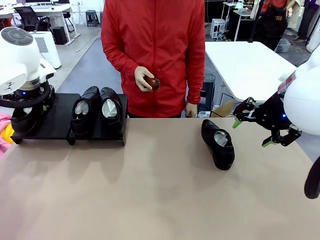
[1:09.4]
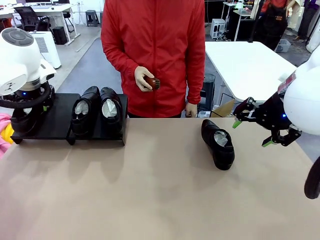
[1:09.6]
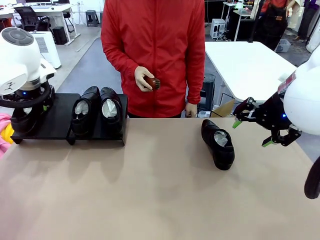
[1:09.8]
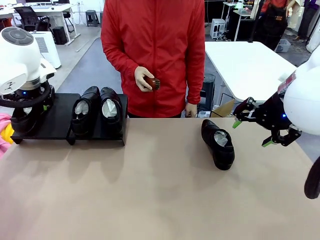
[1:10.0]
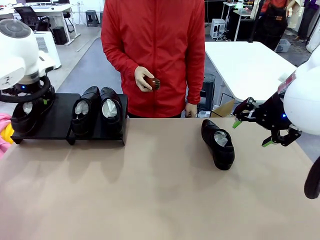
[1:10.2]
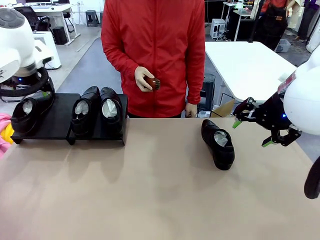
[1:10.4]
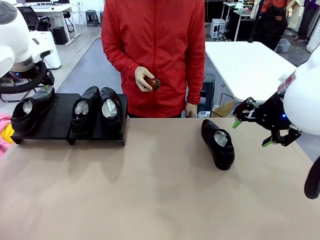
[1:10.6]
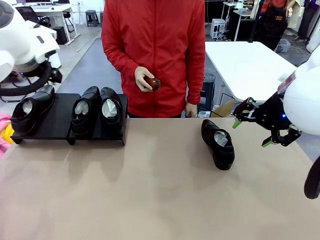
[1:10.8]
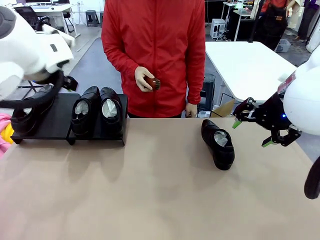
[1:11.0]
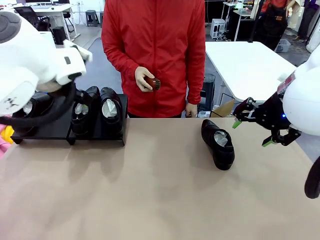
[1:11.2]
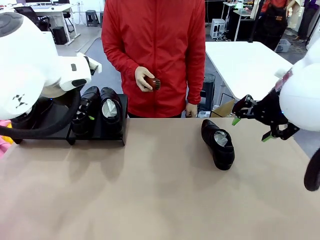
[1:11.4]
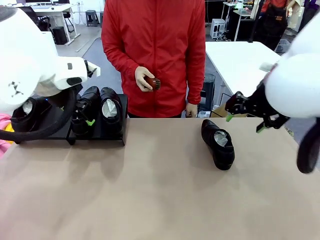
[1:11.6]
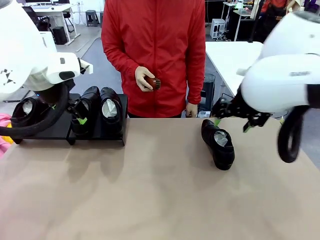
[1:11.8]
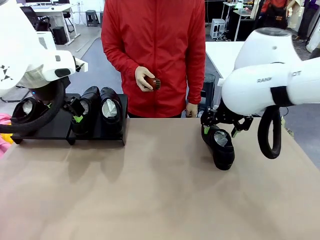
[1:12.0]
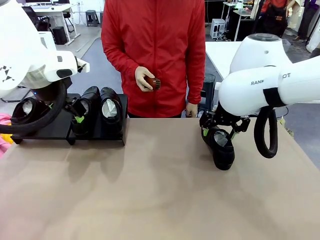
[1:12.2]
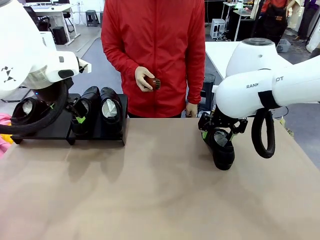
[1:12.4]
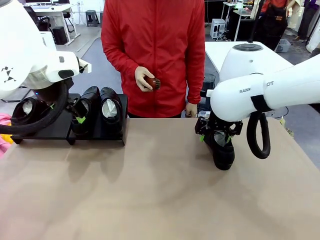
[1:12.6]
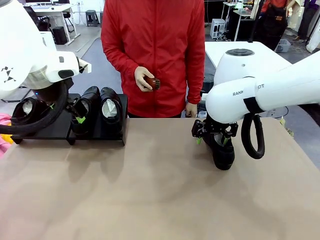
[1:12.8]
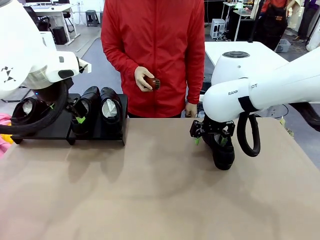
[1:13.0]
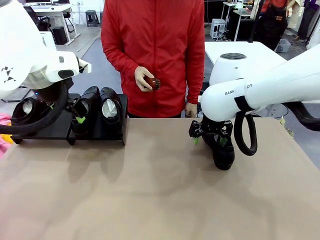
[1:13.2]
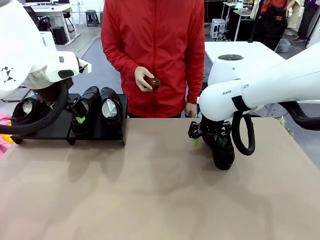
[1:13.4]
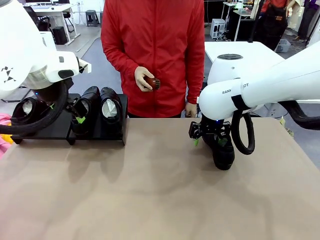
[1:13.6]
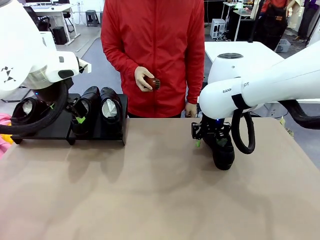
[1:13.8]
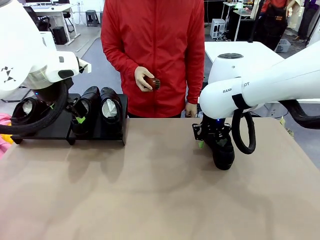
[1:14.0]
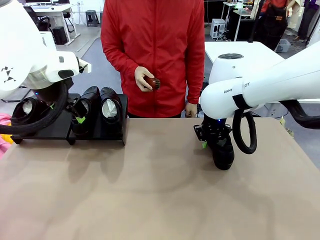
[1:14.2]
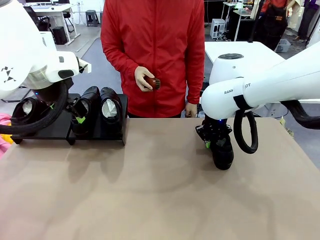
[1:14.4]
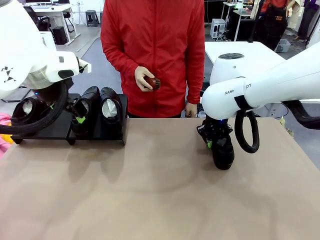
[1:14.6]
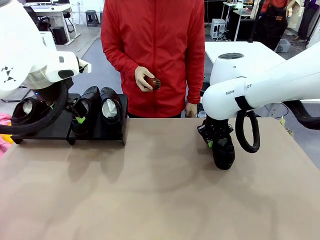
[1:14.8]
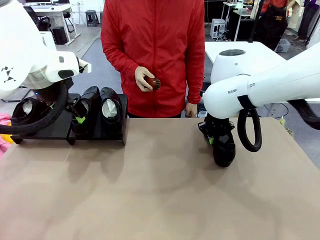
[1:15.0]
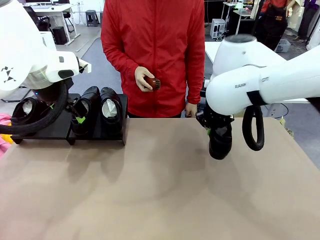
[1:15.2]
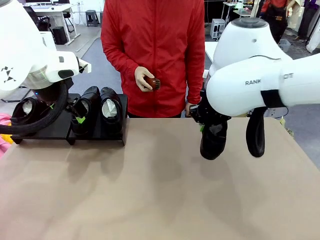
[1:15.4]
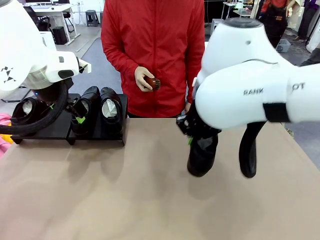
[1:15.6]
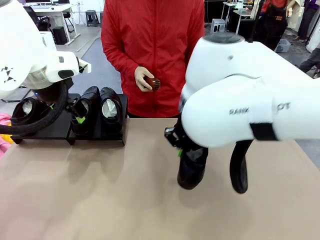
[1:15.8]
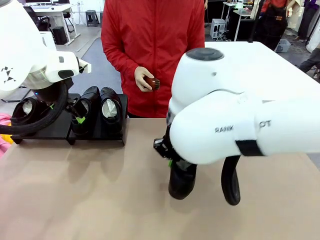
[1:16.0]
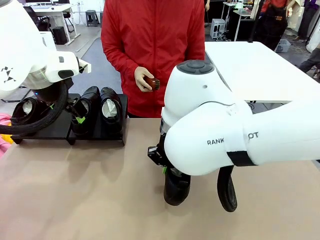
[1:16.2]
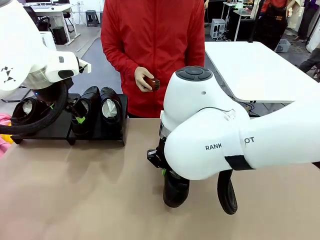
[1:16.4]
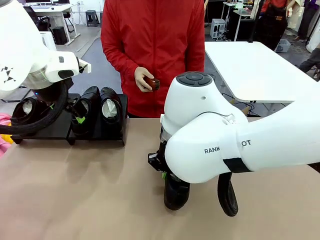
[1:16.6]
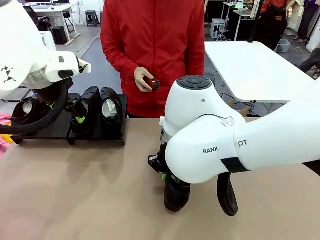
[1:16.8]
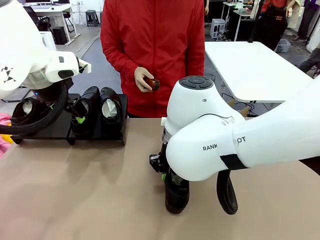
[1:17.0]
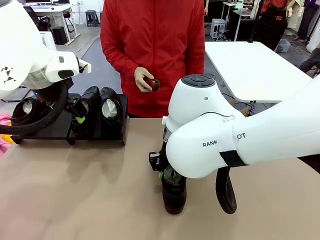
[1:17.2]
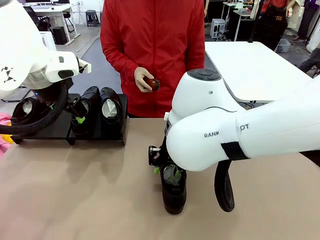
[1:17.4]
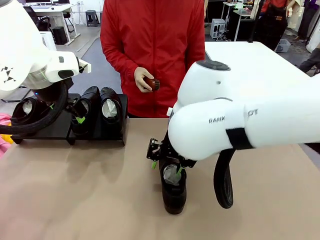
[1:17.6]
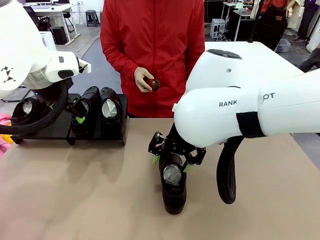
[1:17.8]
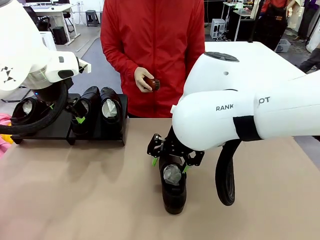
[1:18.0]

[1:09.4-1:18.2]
Task: Organize the shoes by placing them on the stand.
Robot: Pick up one Shoe and place it in the middle of the table.

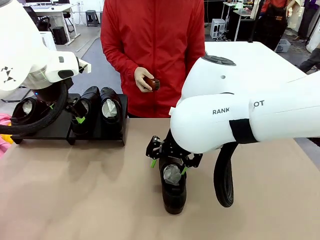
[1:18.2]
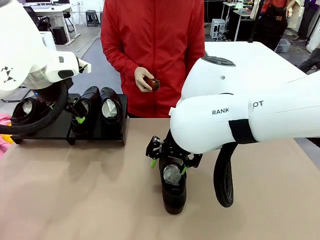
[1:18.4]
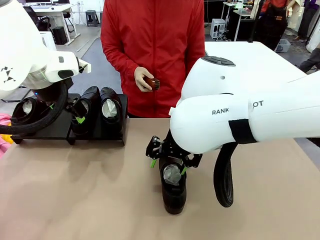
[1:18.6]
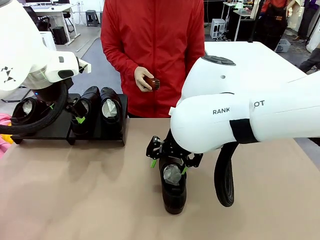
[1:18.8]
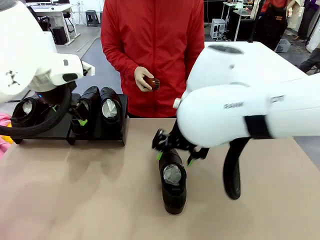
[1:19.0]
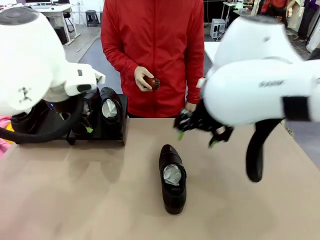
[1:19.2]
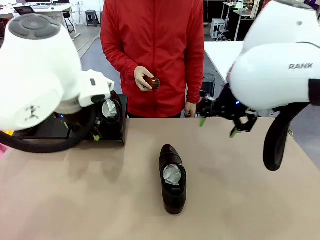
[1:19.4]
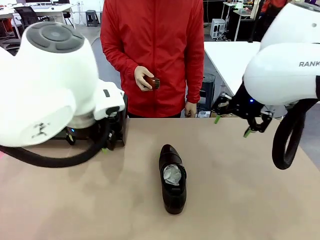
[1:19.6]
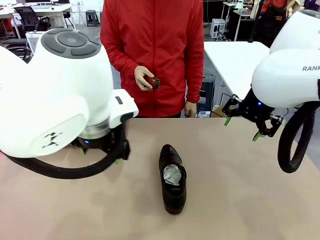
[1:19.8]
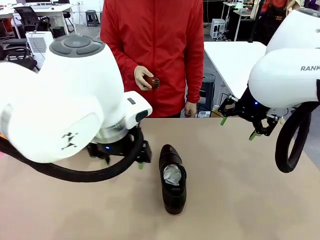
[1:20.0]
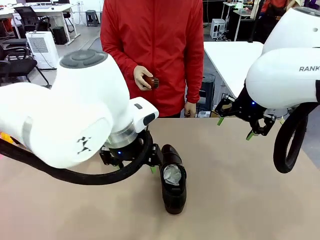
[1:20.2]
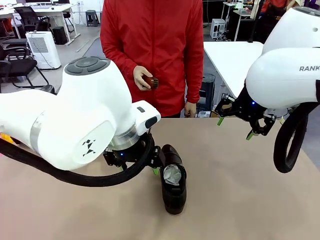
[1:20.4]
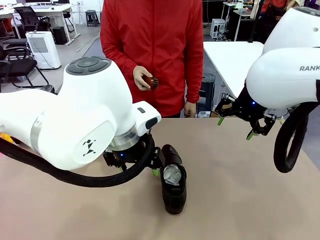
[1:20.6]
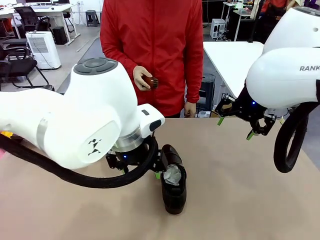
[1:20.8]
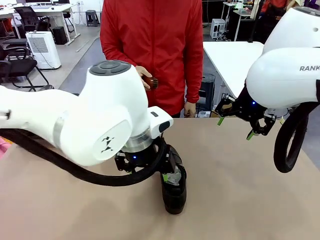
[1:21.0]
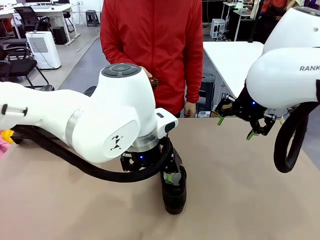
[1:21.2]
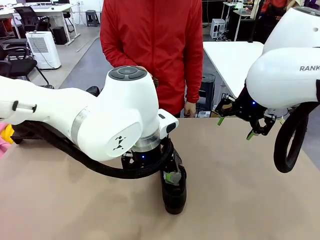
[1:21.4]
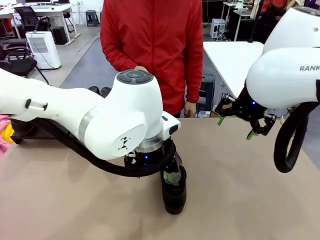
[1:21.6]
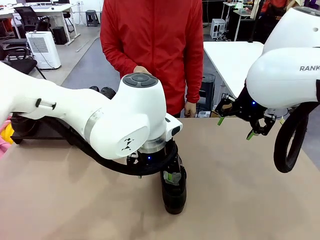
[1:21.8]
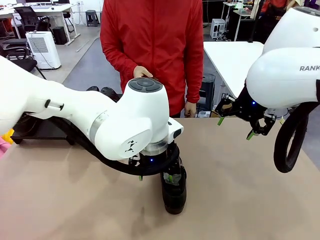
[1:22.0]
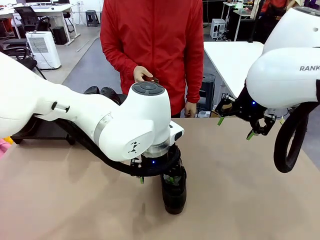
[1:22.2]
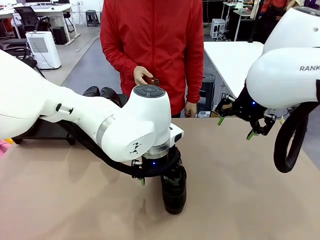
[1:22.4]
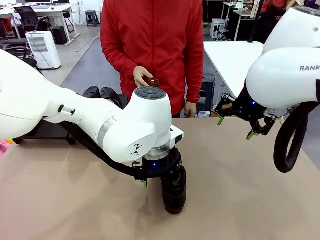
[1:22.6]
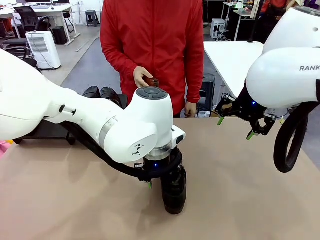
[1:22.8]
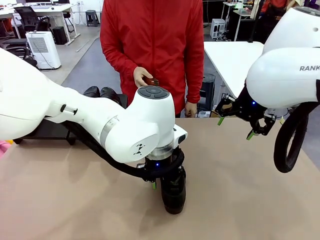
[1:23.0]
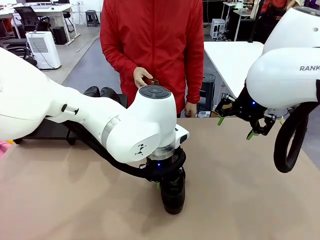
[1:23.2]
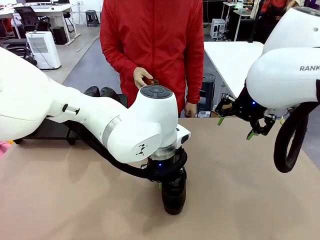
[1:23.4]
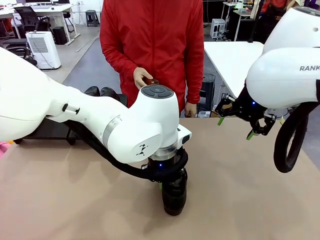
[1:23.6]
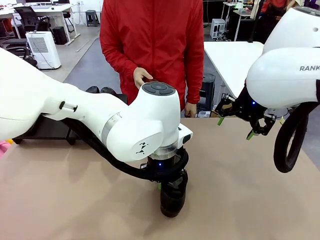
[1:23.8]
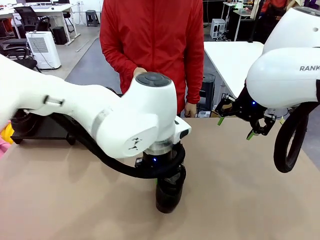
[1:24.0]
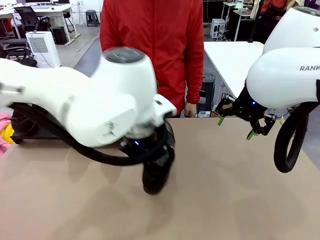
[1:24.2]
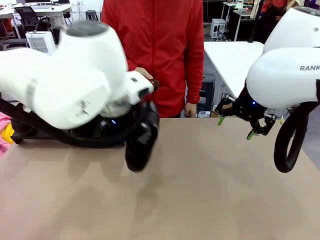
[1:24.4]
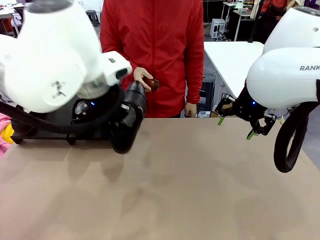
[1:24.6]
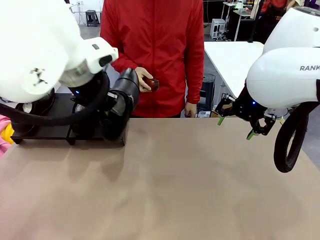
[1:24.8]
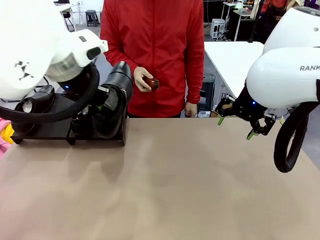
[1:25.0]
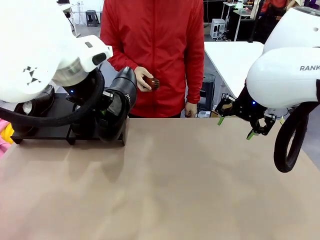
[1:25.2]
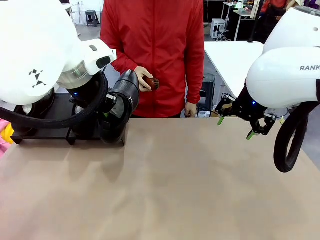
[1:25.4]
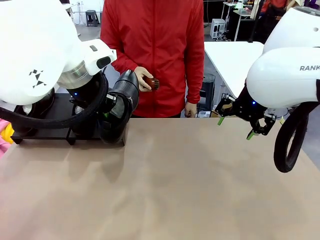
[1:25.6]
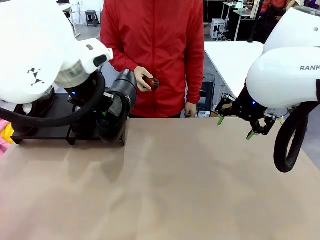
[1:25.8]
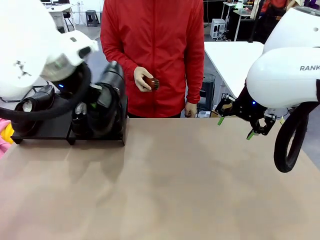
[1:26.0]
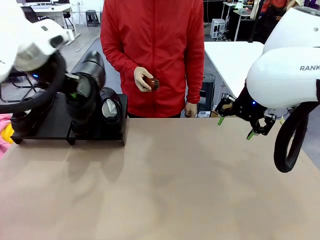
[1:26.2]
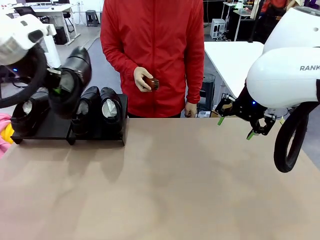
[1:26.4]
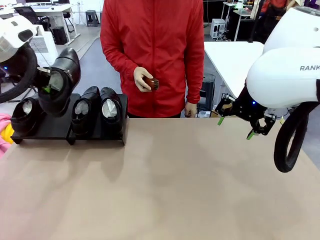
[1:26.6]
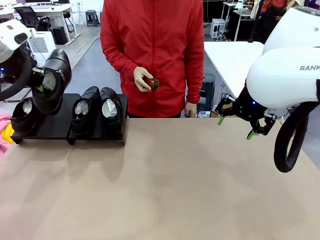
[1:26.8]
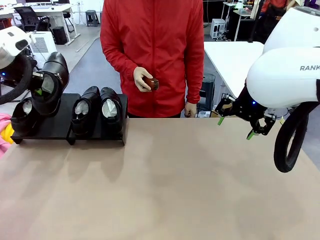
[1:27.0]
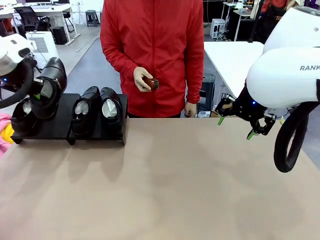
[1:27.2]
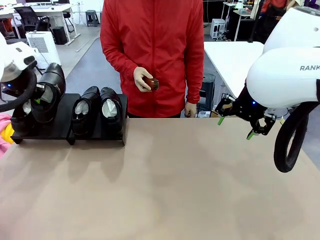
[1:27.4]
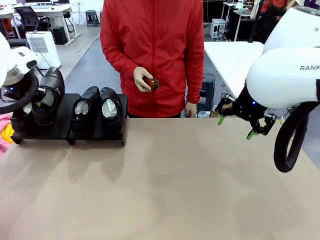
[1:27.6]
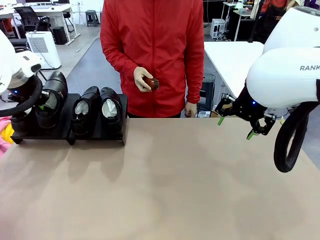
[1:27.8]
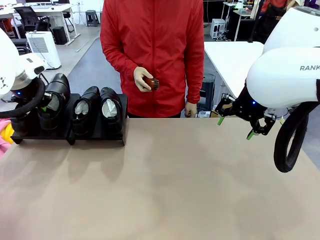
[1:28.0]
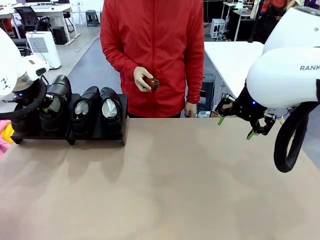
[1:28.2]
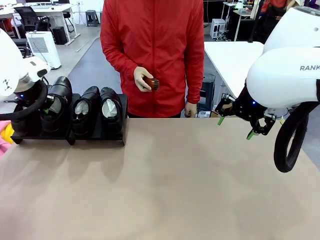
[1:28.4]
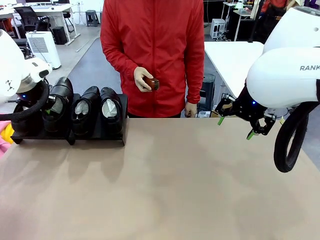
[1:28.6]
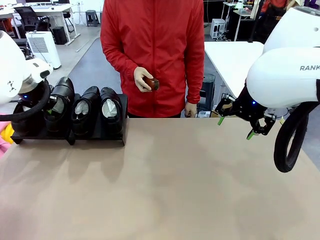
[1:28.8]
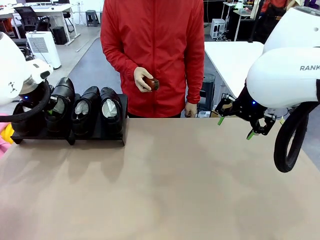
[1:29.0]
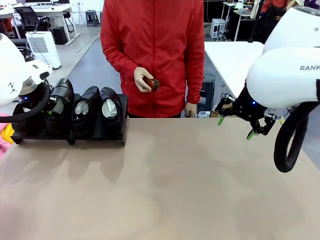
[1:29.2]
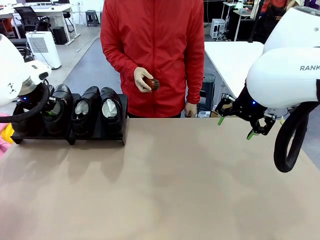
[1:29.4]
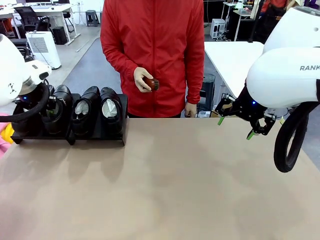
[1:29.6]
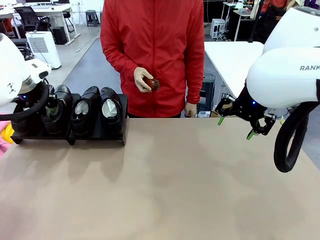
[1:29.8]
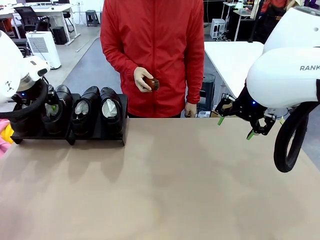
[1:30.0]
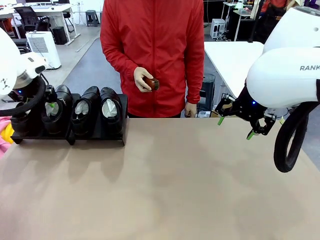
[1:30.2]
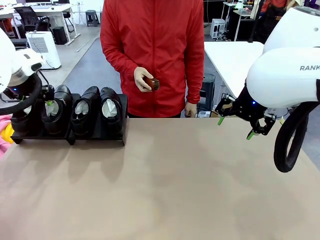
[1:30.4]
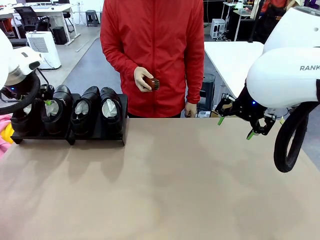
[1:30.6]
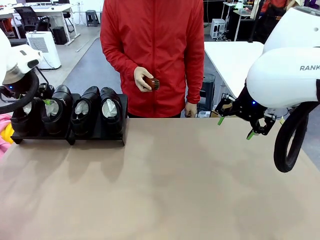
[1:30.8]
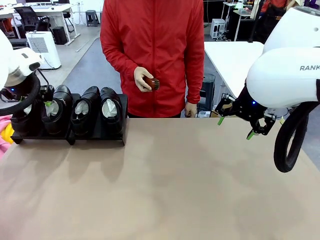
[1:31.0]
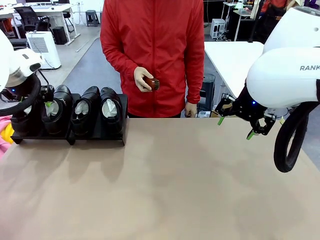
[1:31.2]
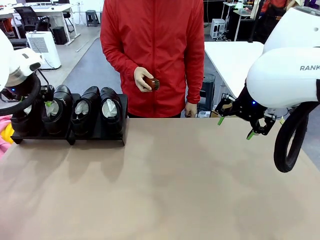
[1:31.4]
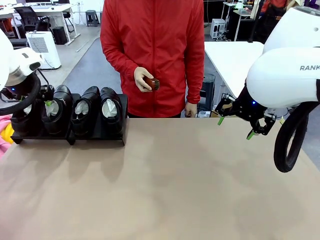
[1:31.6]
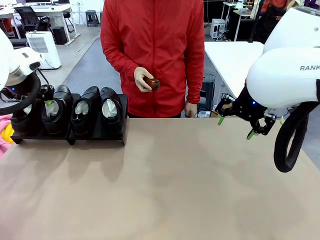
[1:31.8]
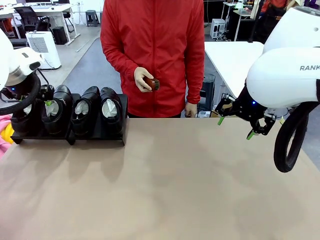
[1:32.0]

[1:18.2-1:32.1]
Robot: Place the Shoe from the middle of the table onto the Shoes Stand.
